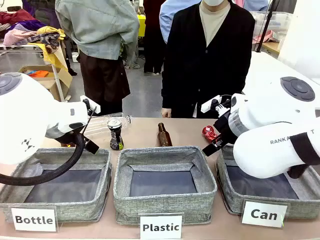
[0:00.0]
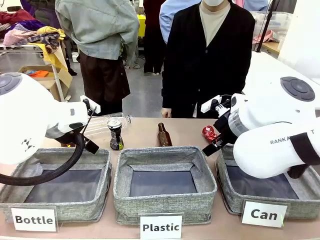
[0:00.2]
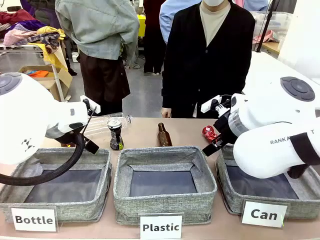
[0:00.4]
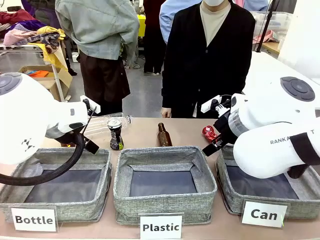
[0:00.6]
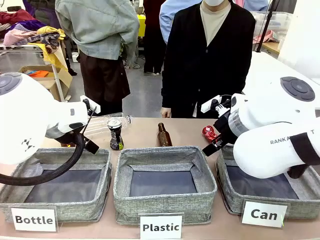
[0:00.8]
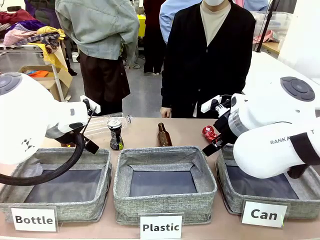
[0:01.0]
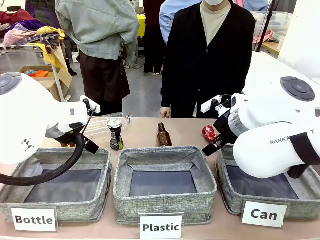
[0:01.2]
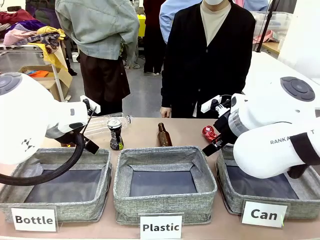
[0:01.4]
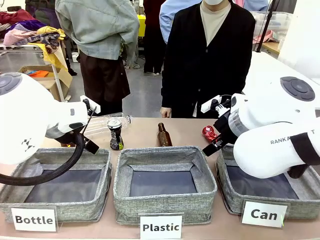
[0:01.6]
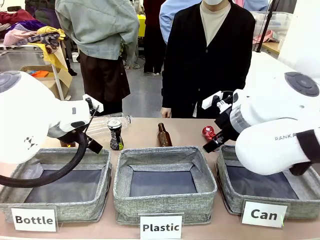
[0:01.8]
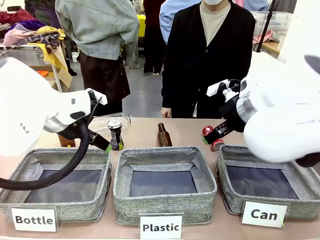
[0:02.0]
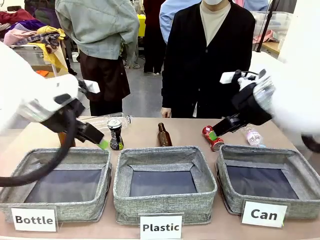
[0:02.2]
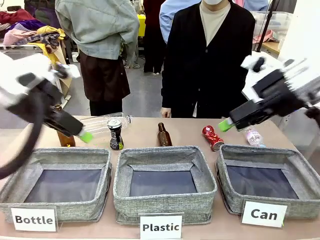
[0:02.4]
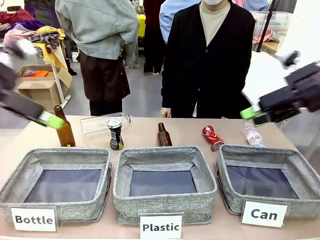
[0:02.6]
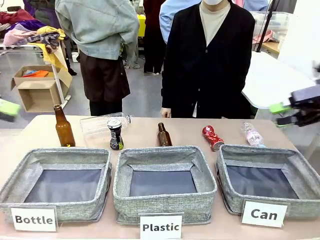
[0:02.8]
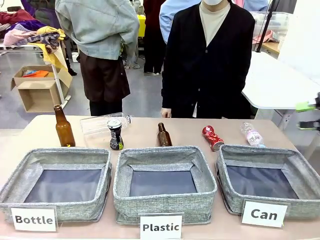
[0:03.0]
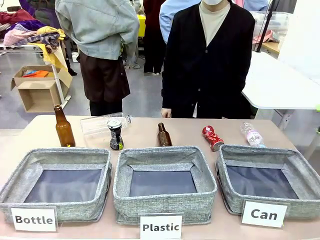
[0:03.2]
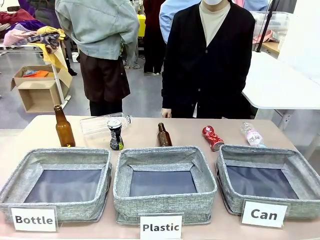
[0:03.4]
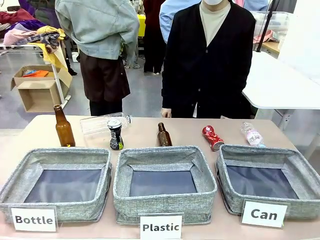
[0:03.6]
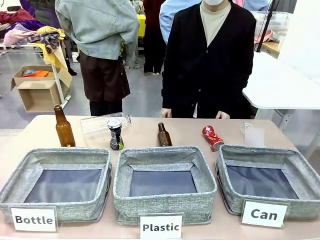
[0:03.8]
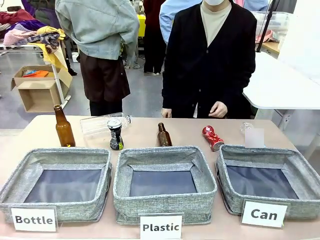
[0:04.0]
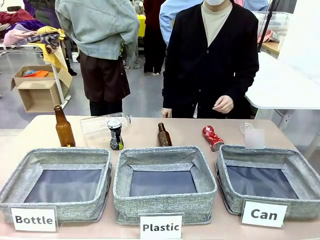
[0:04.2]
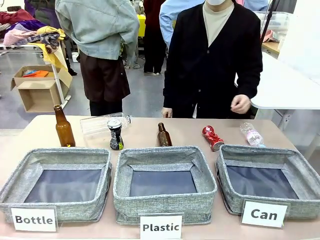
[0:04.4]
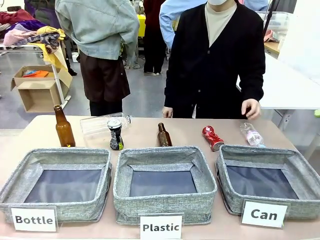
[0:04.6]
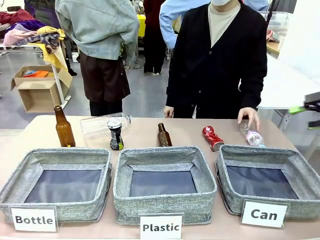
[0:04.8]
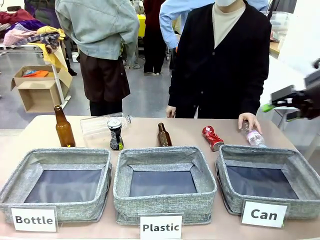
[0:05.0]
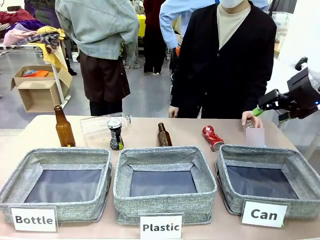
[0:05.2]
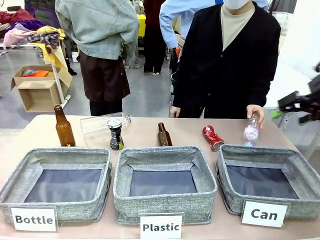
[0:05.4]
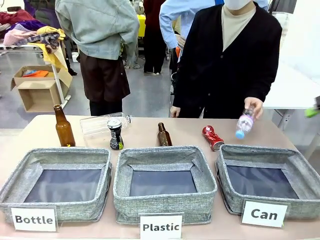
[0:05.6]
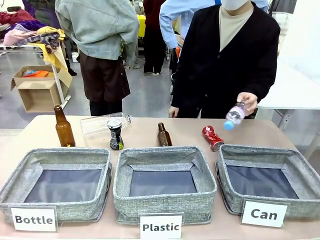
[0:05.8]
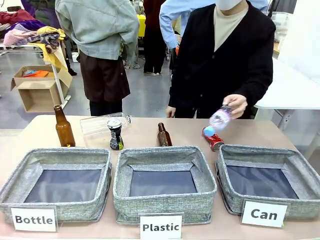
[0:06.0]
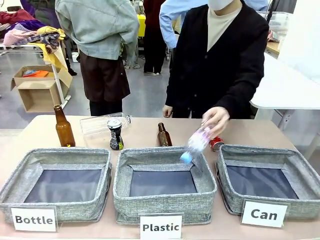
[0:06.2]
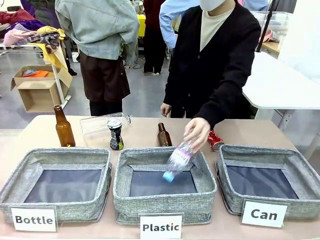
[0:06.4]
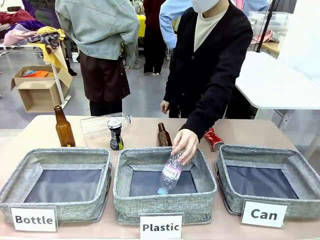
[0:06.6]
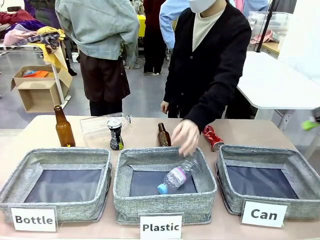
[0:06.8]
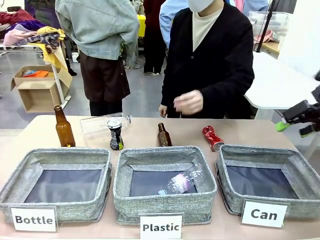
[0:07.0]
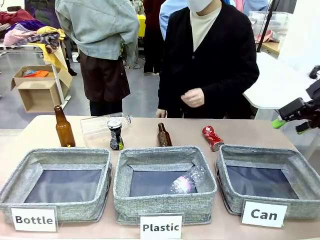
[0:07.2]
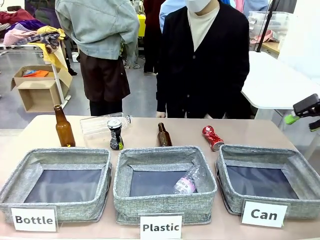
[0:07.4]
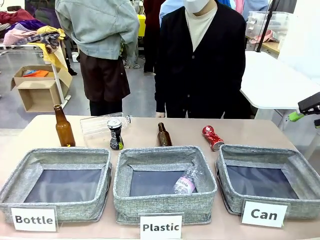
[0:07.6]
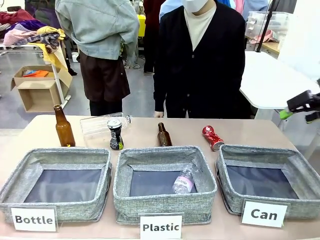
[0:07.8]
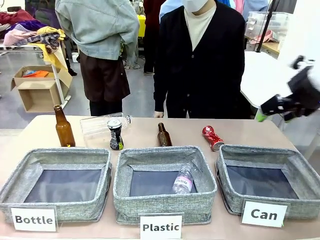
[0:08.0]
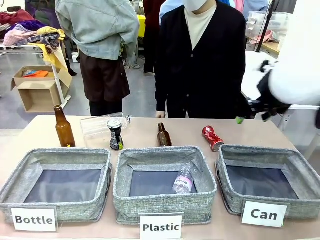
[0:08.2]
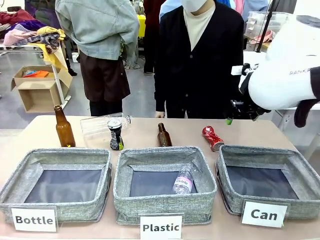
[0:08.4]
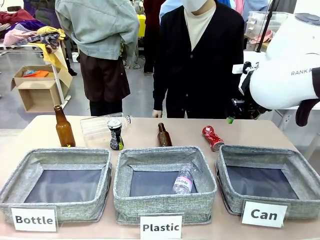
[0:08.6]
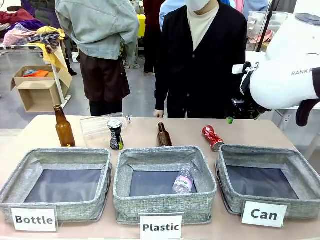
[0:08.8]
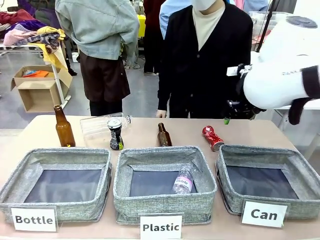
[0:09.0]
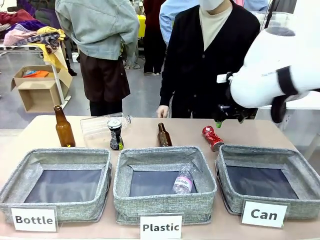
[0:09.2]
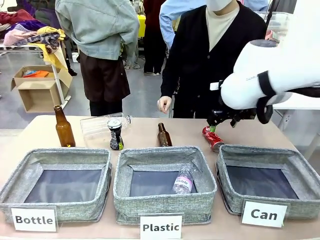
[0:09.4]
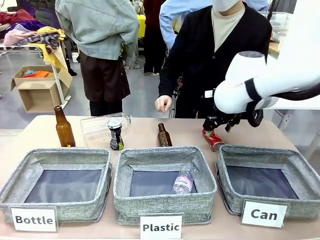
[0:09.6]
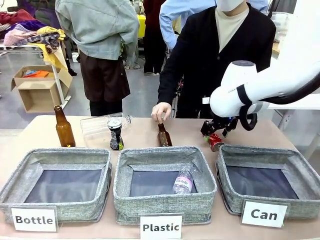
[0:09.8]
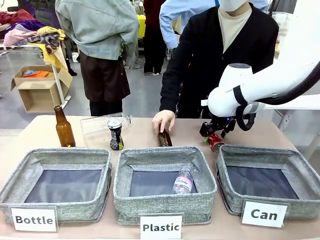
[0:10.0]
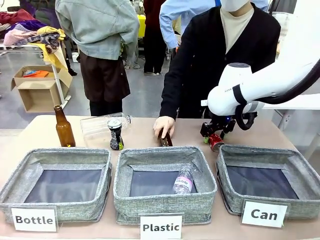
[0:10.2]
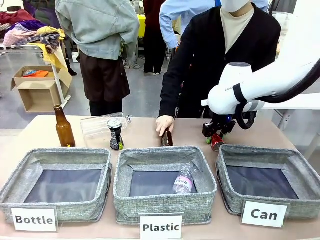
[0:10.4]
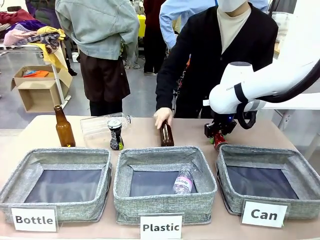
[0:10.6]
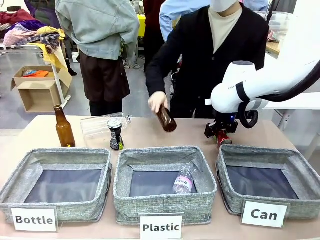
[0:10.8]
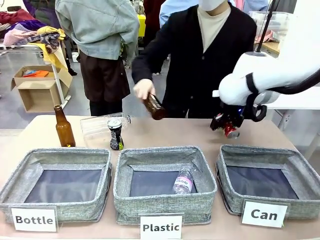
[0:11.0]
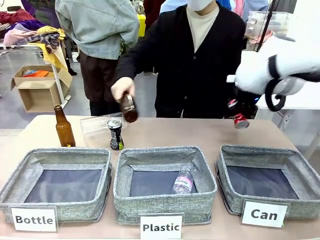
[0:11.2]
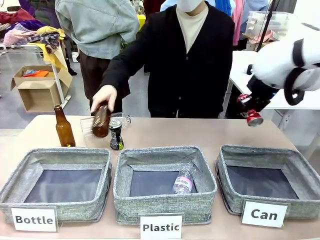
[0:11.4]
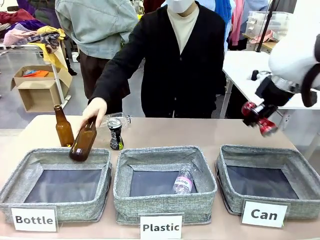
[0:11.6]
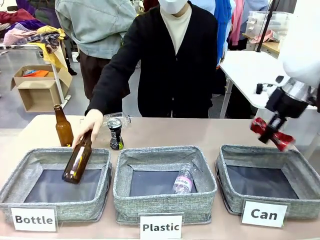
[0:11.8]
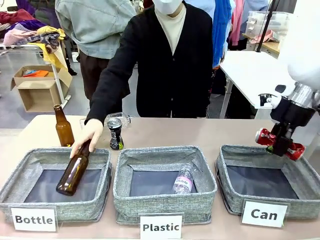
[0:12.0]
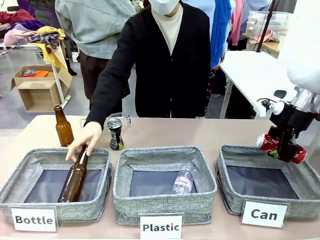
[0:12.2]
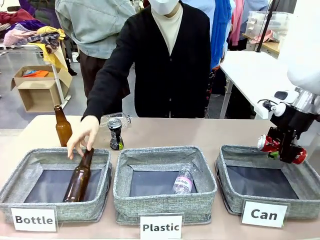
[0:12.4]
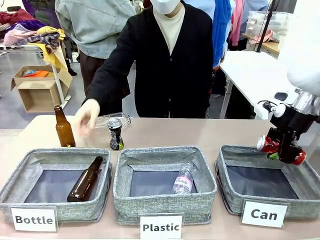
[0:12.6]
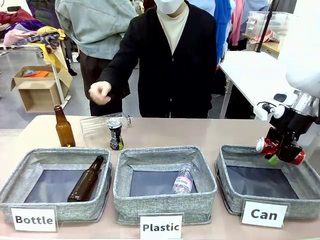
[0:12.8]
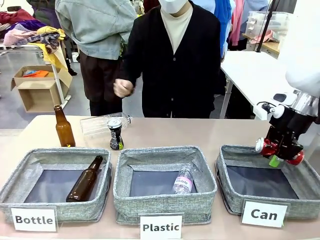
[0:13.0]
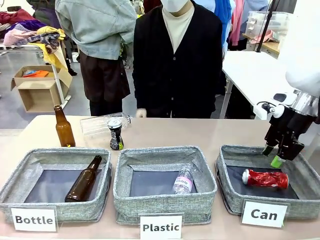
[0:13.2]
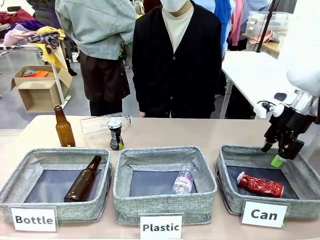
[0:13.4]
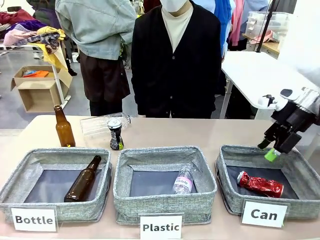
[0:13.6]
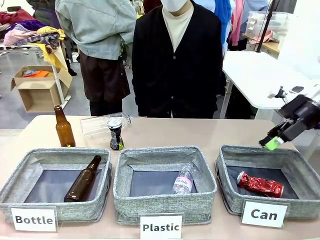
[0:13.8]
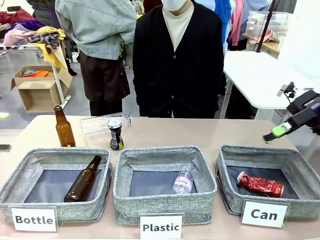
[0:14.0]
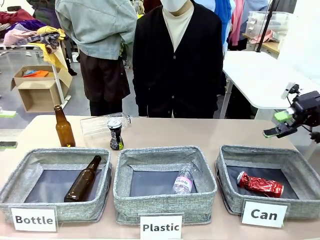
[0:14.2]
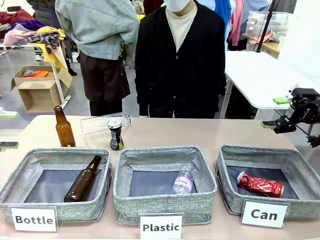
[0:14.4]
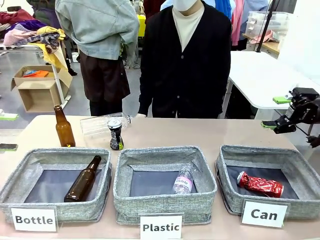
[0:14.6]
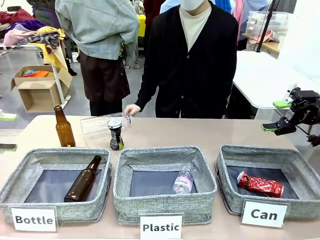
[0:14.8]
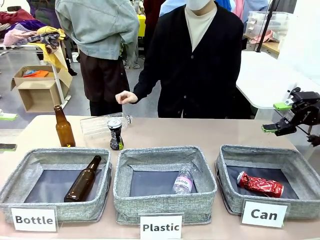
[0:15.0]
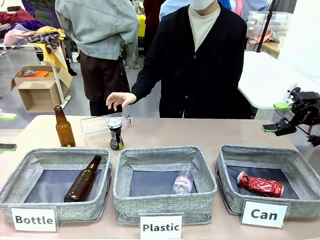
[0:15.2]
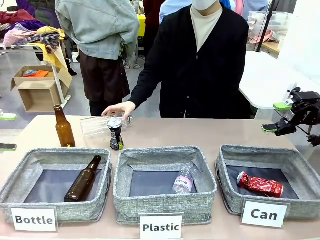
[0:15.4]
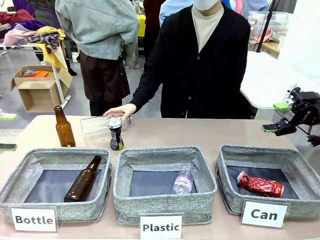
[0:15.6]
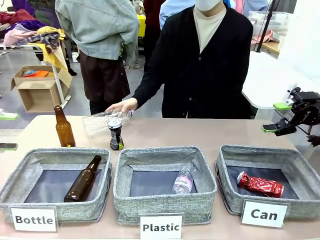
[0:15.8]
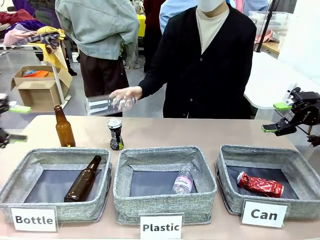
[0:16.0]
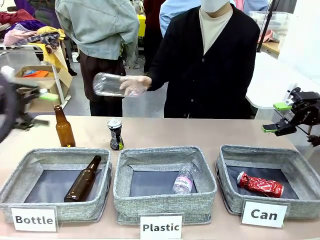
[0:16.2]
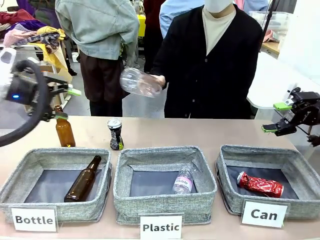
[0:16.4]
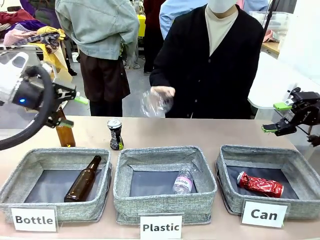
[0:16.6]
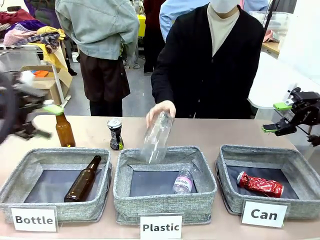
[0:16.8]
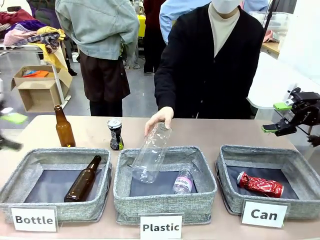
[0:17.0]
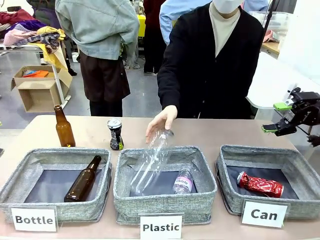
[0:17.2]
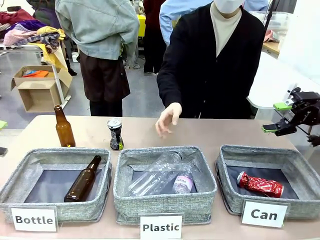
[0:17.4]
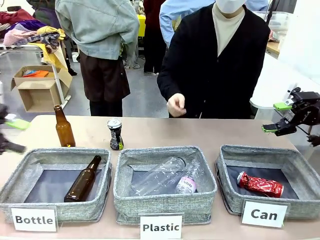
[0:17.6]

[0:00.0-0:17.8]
Task: Sort the can waste into the basket.
Robot: Pick up the can waste from the table and place it in the right Fabric basket.
